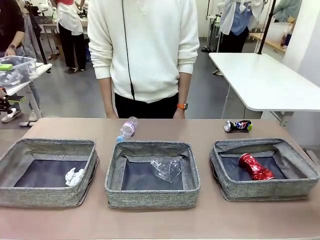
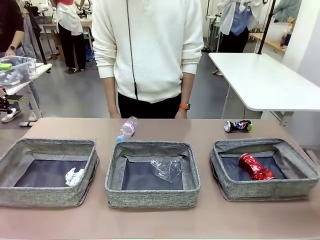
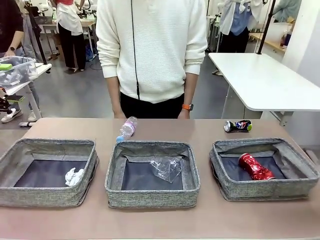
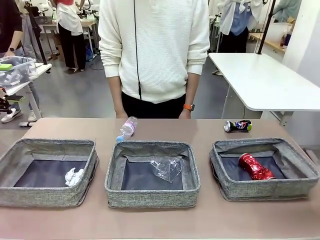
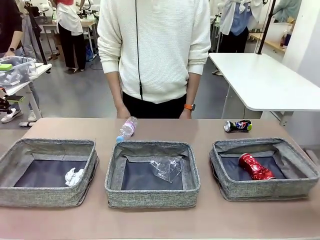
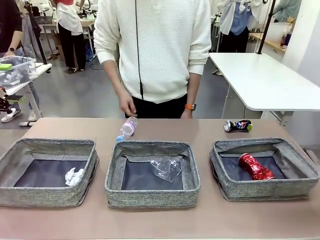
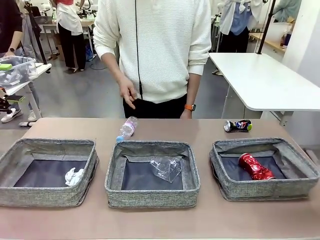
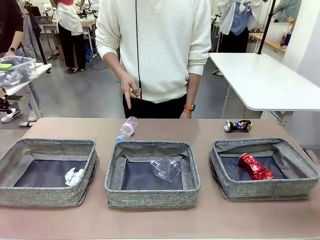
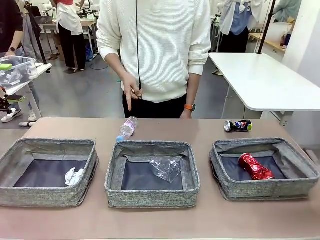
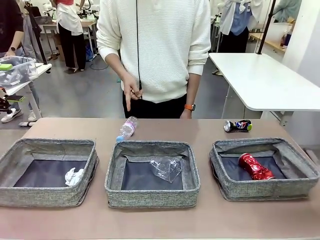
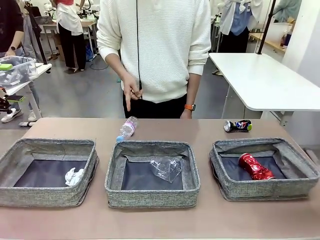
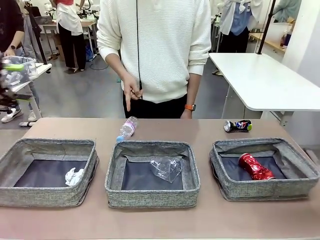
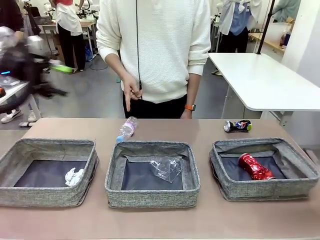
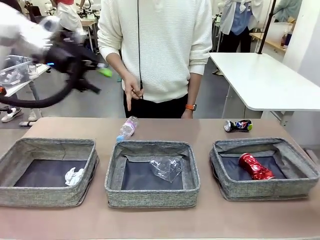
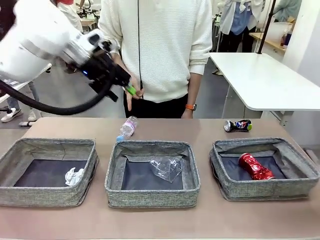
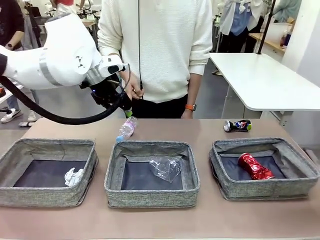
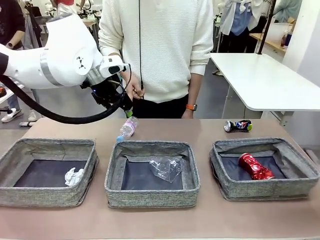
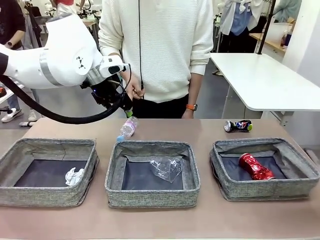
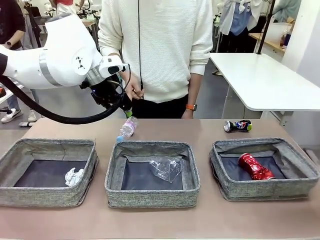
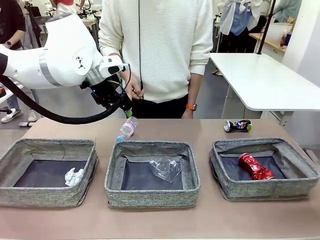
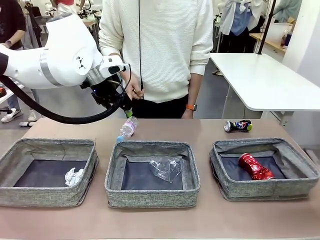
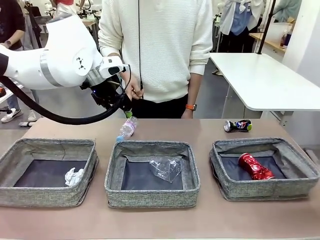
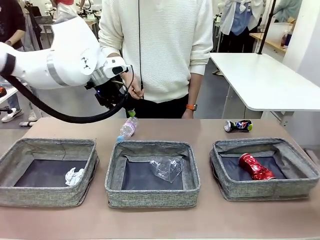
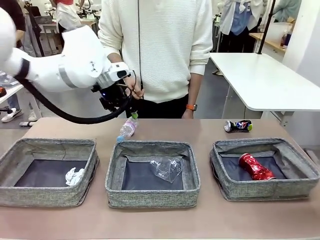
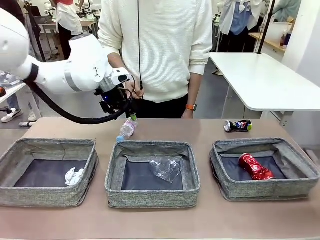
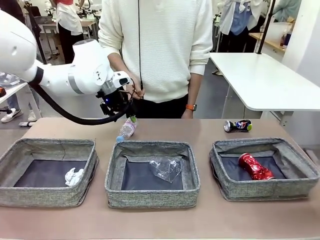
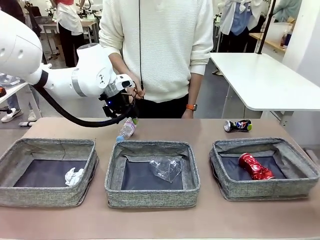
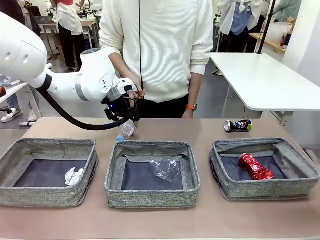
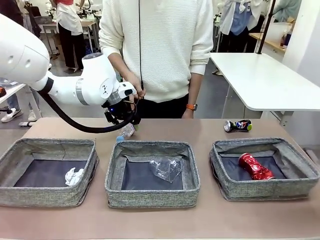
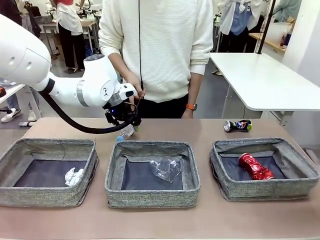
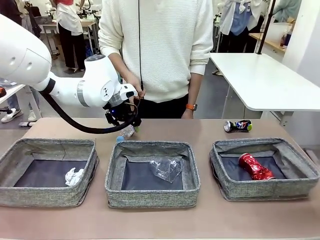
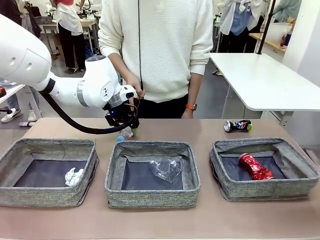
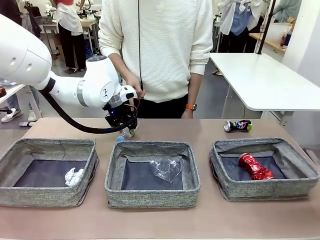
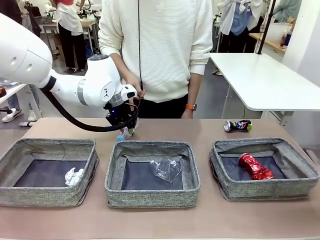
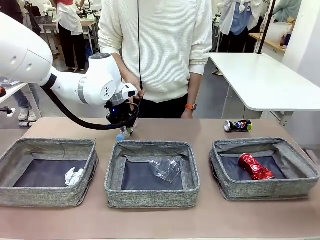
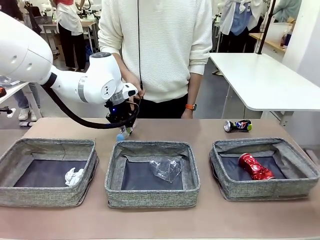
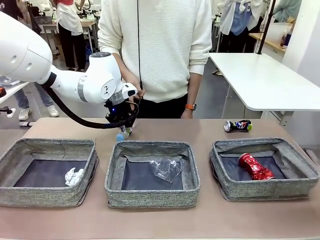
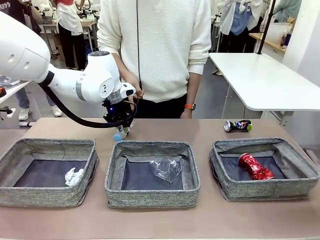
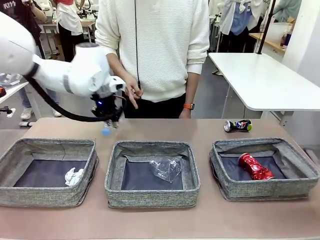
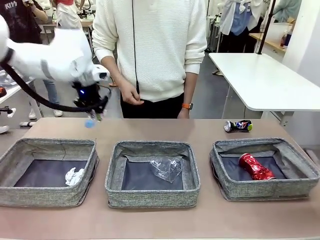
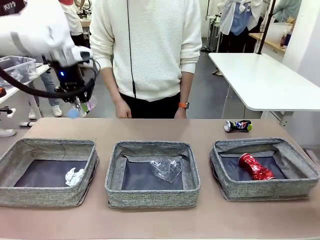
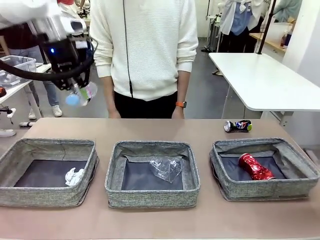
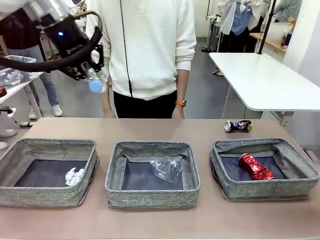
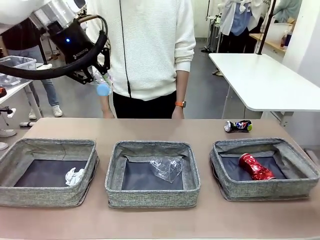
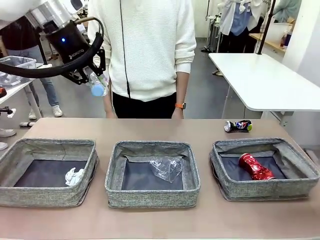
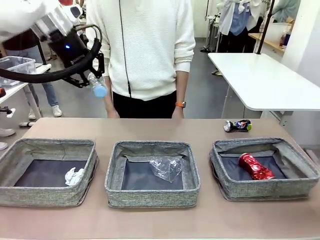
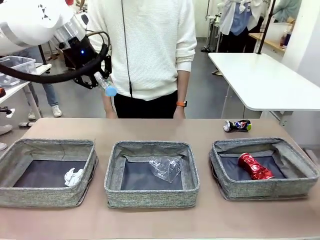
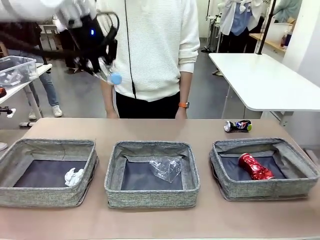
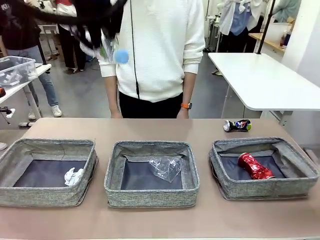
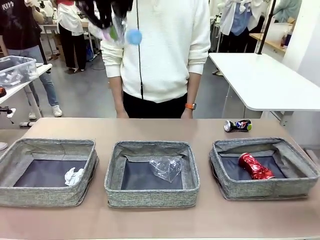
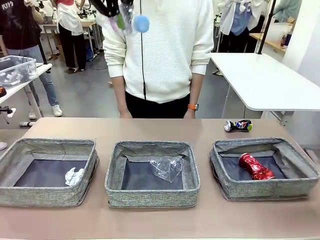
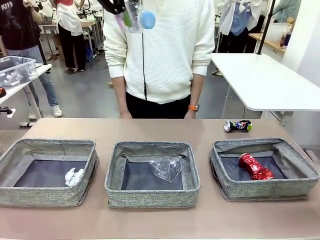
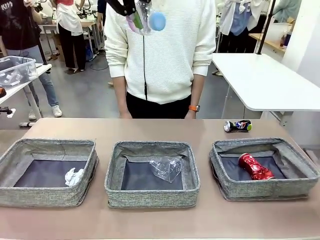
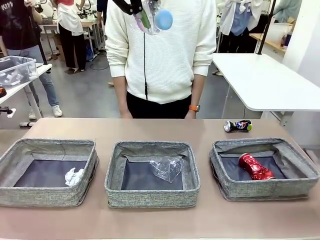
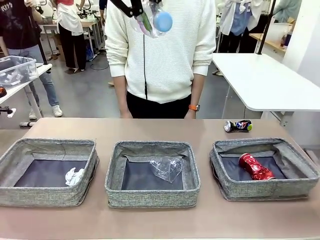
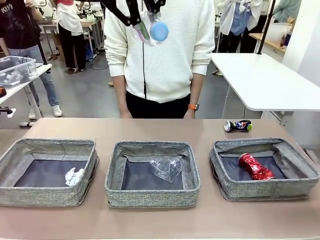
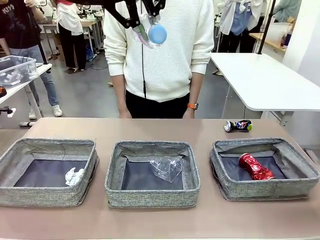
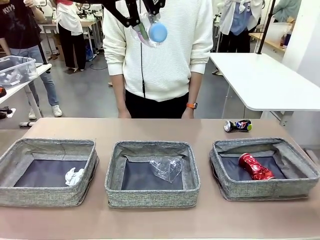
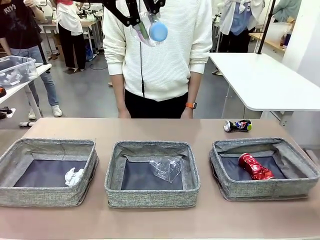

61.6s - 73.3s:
Task: Sort the waste into the appropriate baskets.
Robot: Pick up the waste item pointed out by the person.
Person: Points to one piece of trash on the table.

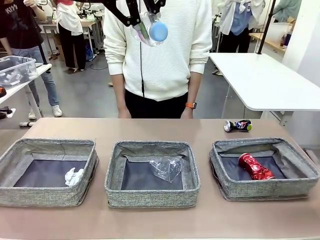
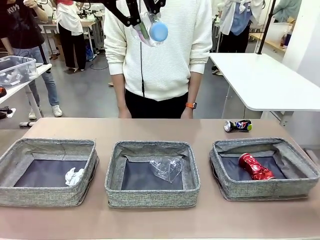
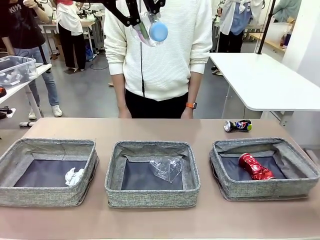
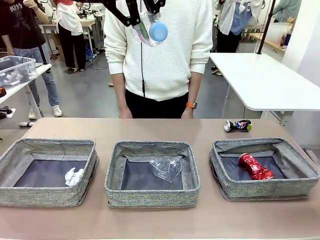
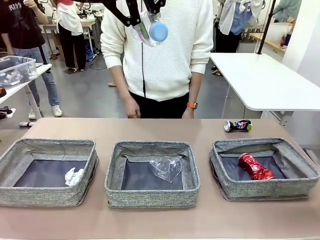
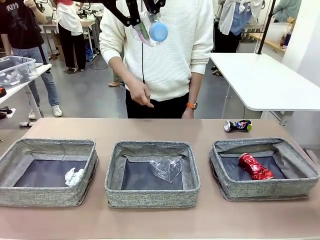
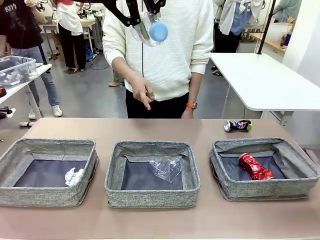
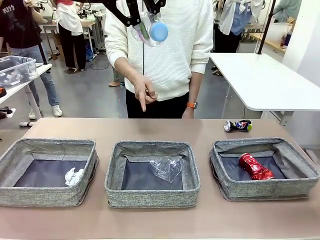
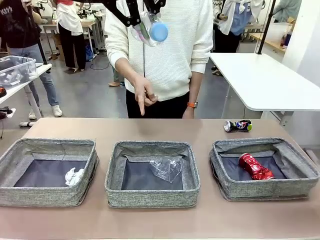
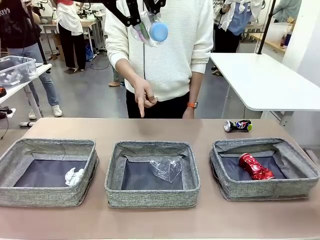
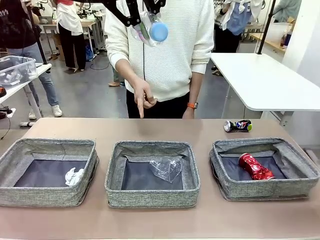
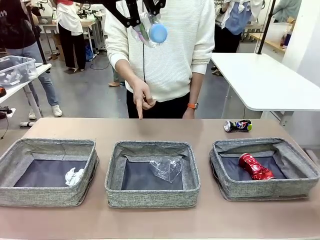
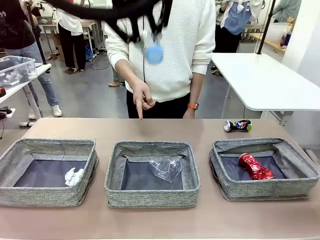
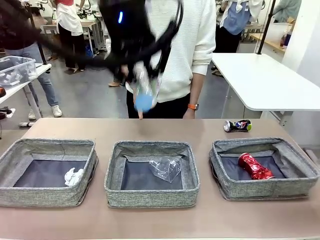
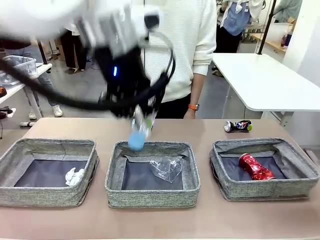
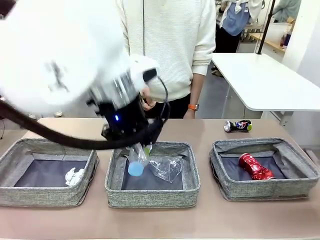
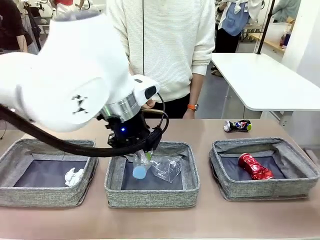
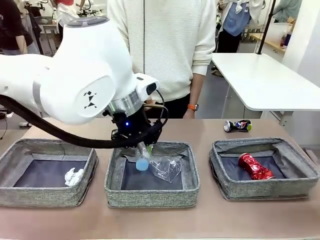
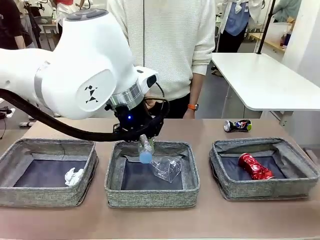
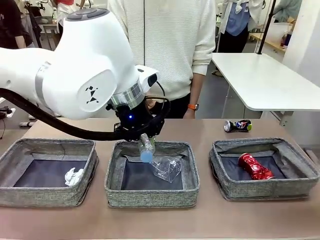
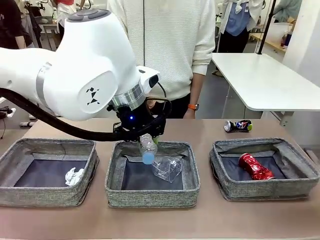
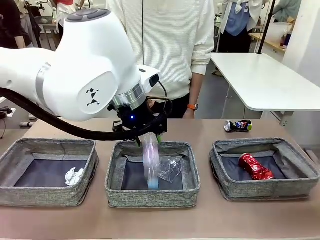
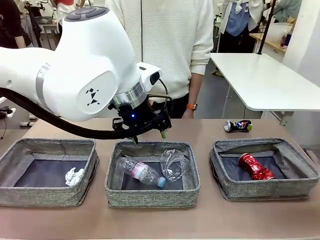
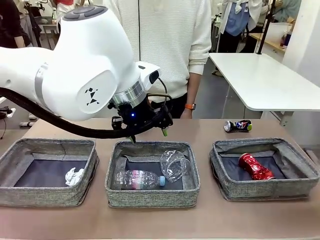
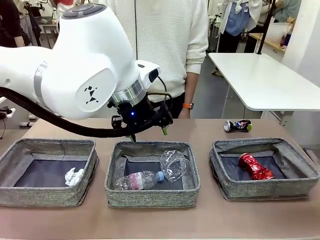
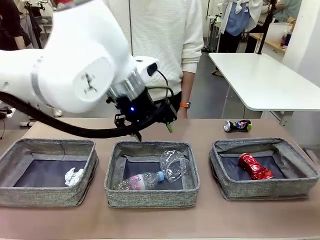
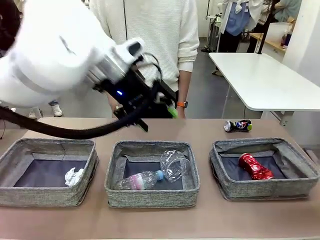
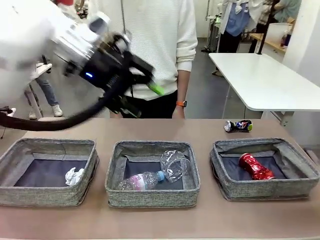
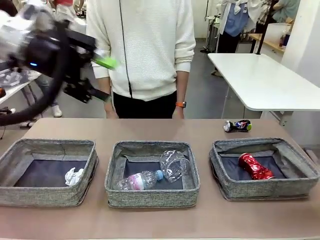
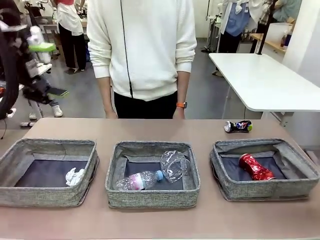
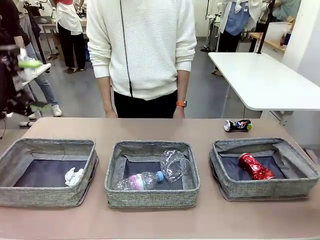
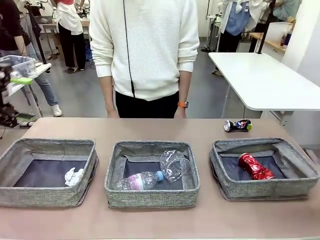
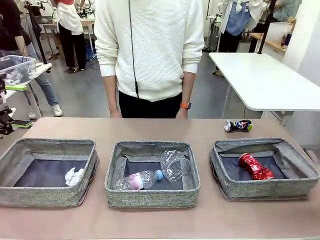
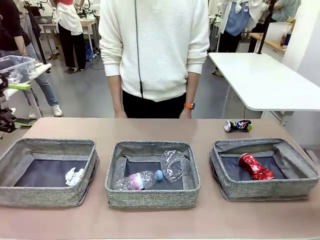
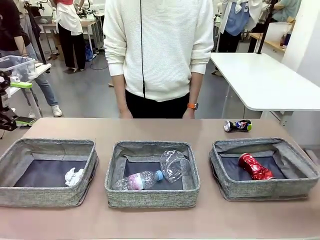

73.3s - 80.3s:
Robot: Place the picked waste into the Fabric basket indicated by the person.
Person: Instructs the robot to place the picked-up trash into the appropriate organizing basket.
